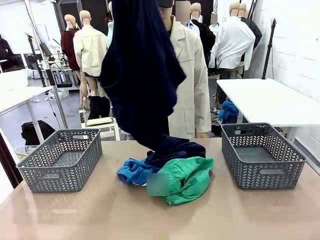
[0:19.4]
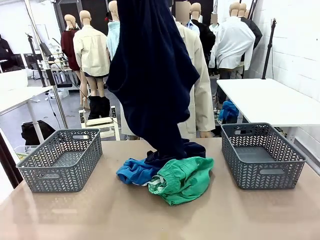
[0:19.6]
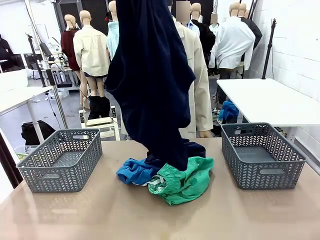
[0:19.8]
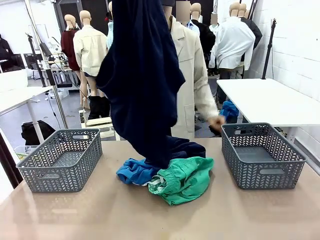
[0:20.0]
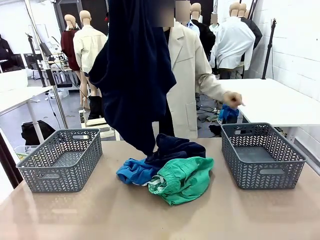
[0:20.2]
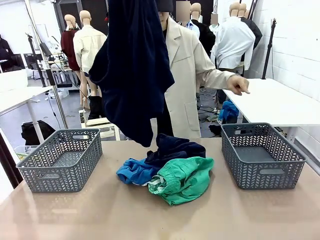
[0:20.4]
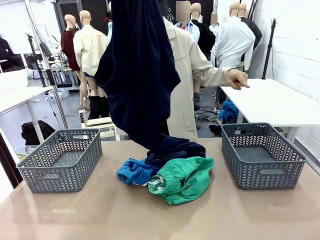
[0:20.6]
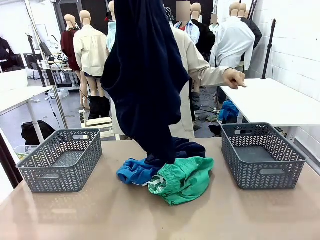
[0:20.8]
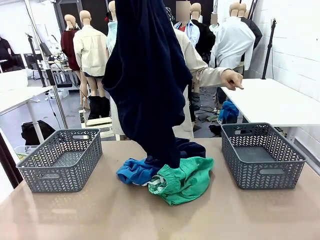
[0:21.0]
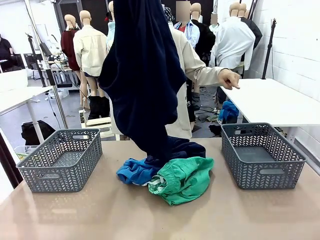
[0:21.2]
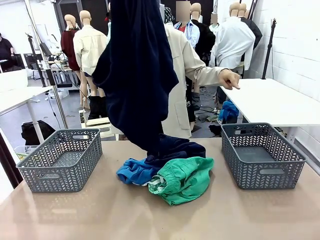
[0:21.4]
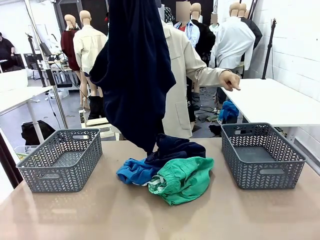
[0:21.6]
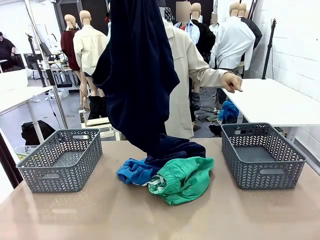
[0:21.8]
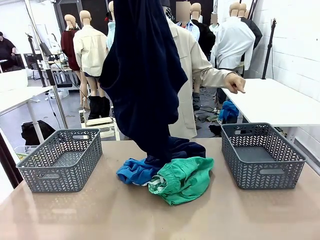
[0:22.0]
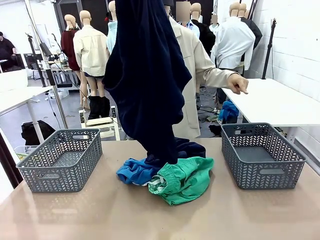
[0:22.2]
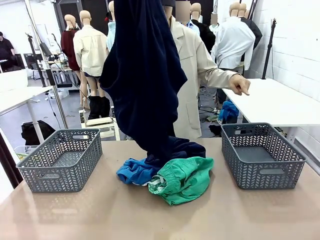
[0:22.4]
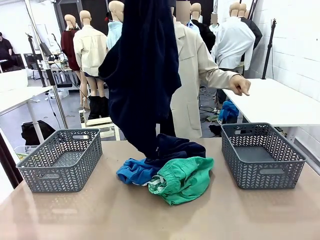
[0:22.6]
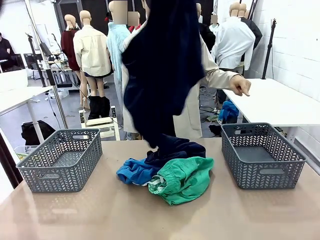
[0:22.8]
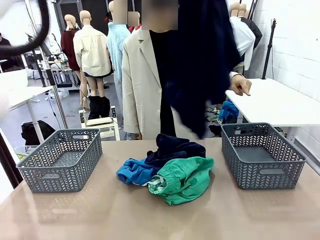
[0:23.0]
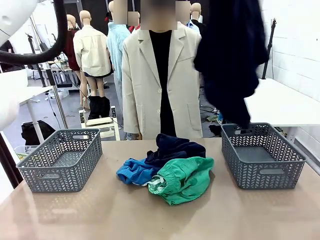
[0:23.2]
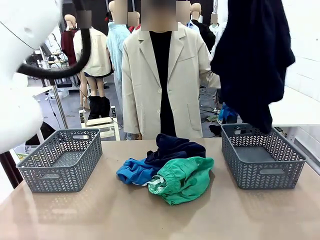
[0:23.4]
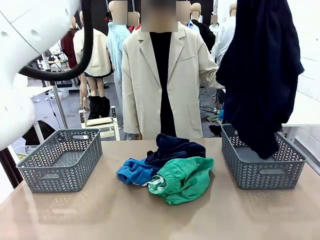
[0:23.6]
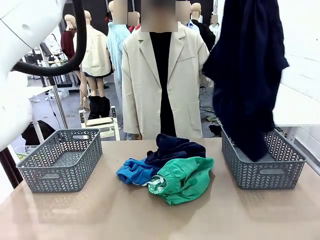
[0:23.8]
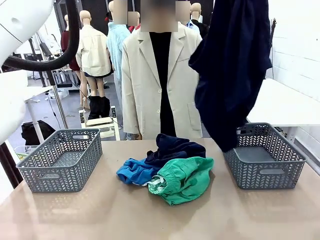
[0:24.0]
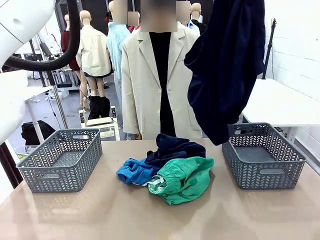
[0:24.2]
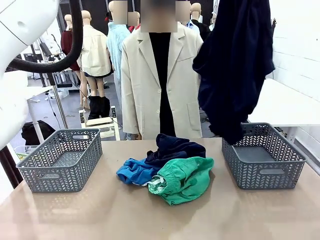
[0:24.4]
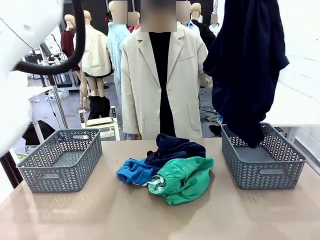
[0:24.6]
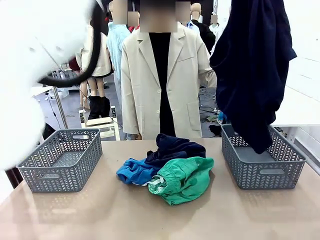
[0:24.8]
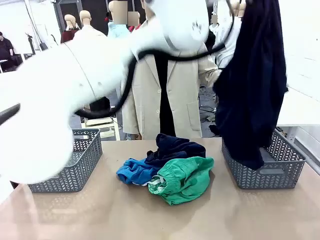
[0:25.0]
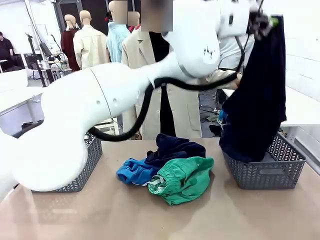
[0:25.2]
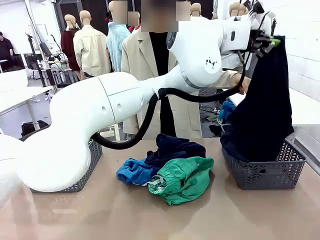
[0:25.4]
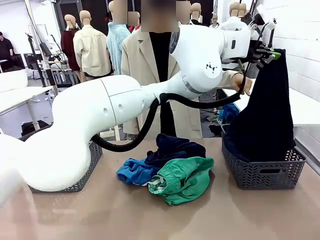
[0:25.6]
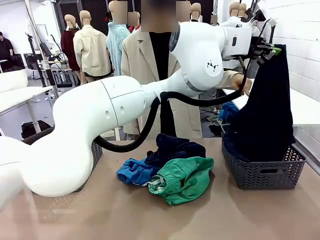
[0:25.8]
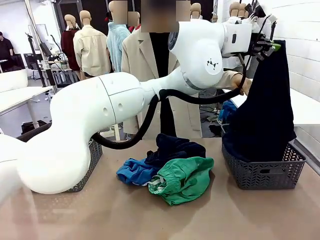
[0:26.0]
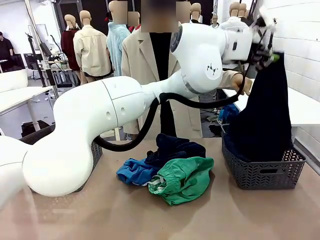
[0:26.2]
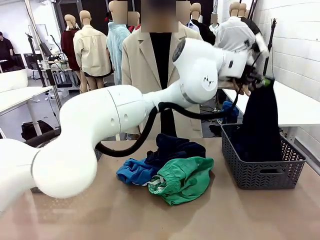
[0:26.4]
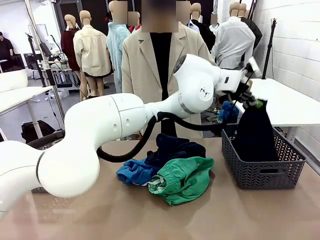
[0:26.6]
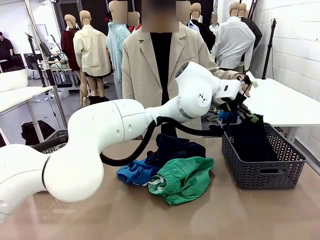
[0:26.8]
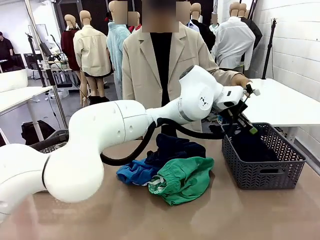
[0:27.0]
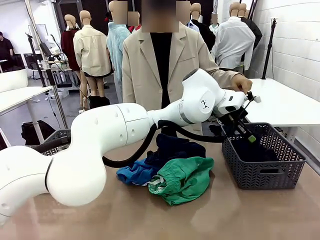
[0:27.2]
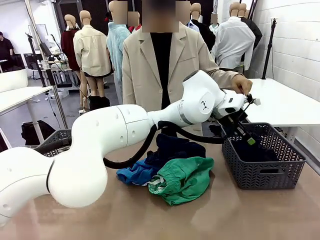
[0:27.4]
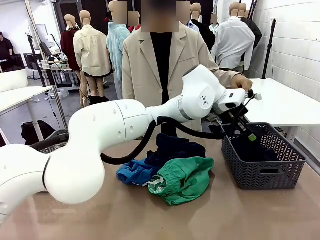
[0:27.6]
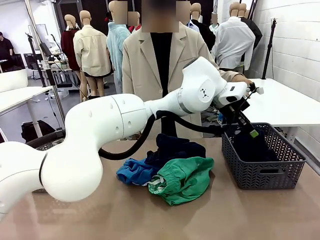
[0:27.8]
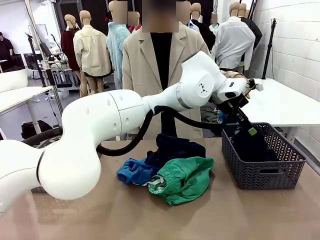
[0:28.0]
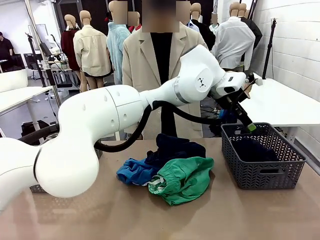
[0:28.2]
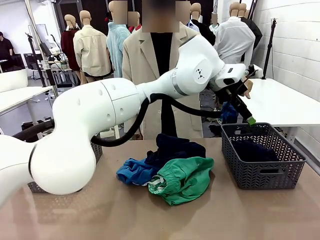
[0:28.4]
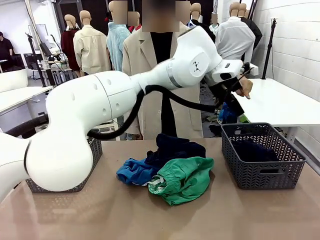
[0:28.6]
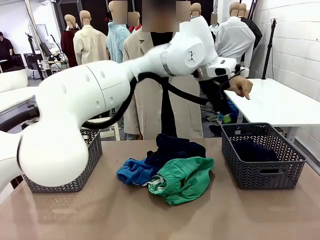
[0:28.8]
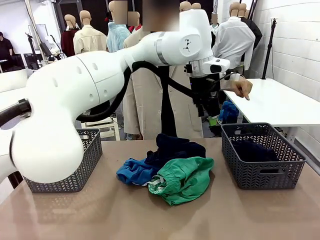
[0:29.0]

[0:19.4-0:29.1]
Task: Sort the tops and bottoms.
Robot: Sort the clothes according to human instructions.

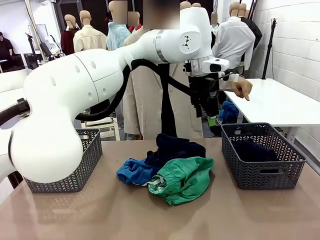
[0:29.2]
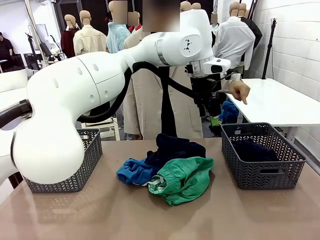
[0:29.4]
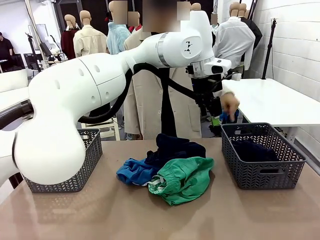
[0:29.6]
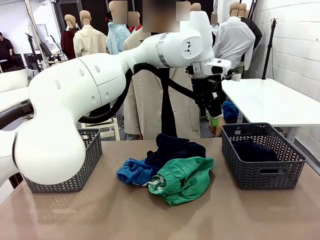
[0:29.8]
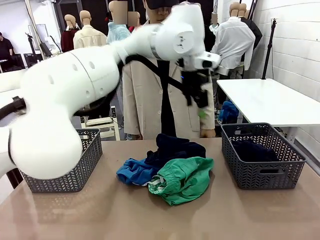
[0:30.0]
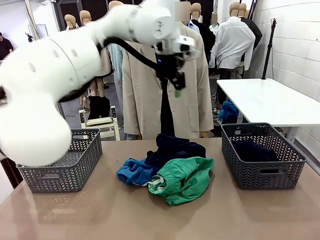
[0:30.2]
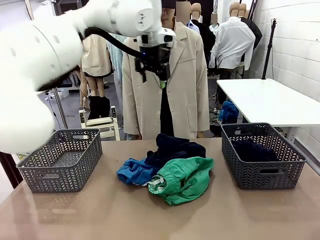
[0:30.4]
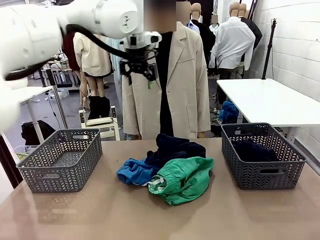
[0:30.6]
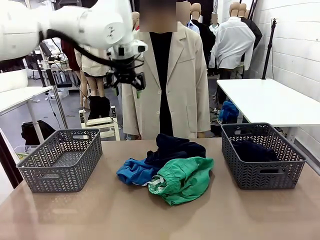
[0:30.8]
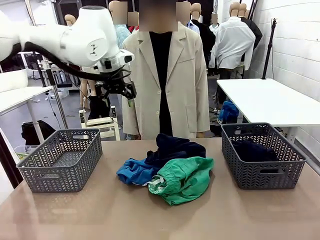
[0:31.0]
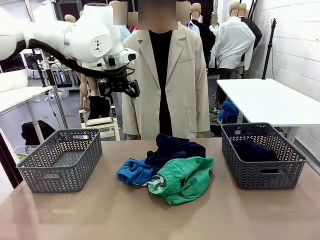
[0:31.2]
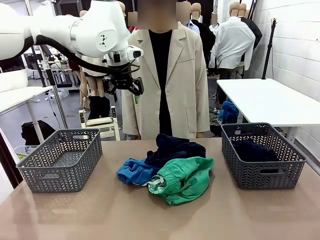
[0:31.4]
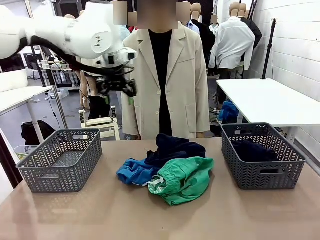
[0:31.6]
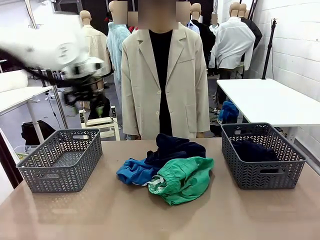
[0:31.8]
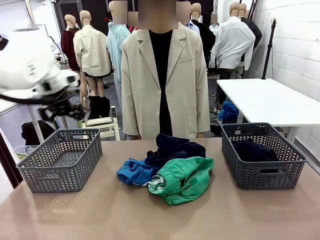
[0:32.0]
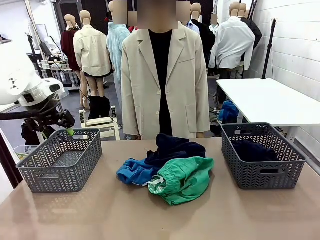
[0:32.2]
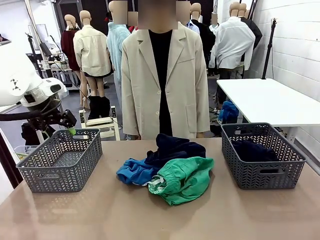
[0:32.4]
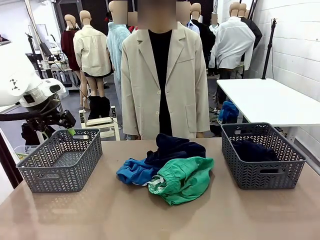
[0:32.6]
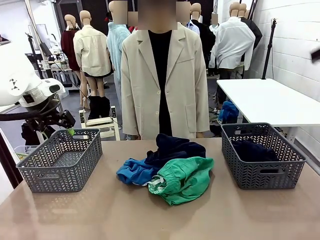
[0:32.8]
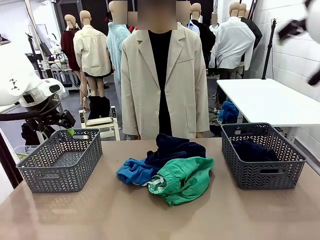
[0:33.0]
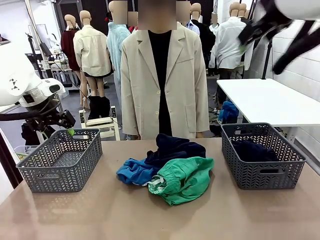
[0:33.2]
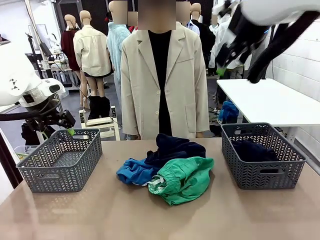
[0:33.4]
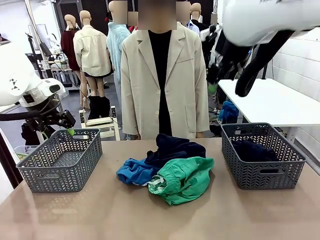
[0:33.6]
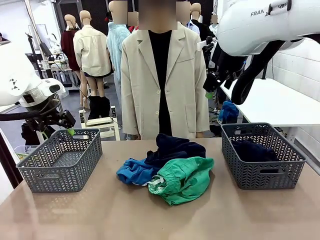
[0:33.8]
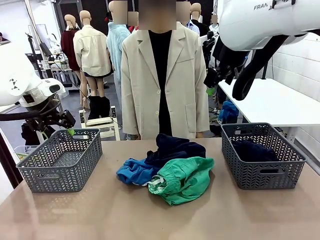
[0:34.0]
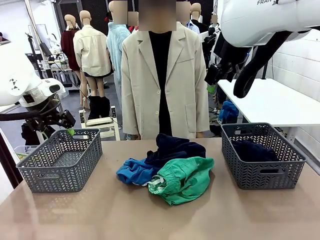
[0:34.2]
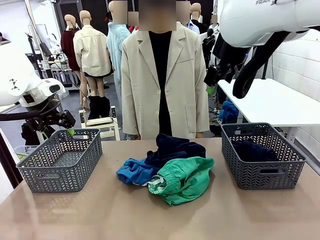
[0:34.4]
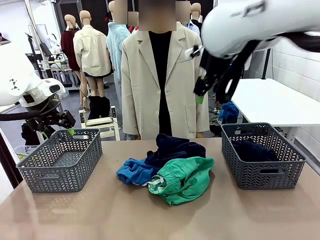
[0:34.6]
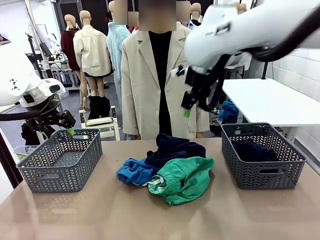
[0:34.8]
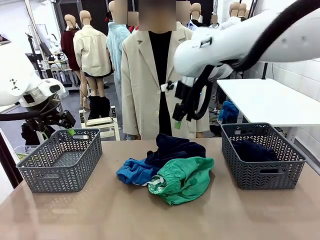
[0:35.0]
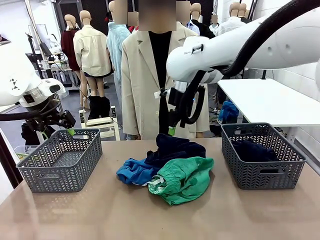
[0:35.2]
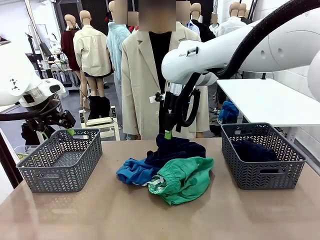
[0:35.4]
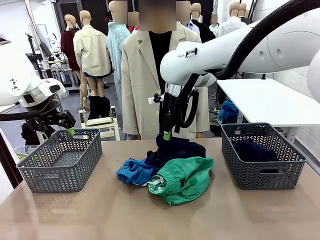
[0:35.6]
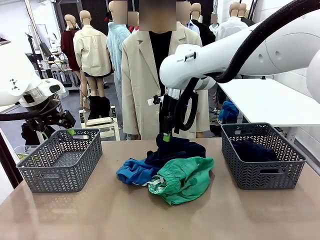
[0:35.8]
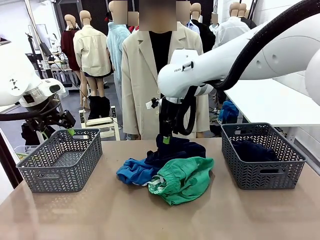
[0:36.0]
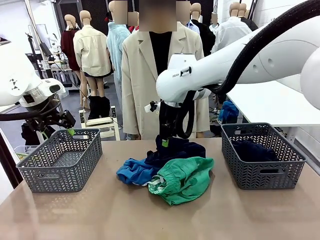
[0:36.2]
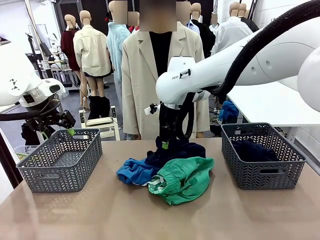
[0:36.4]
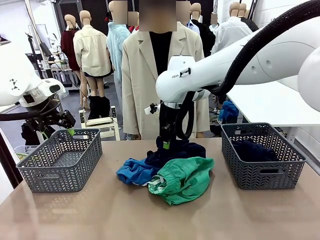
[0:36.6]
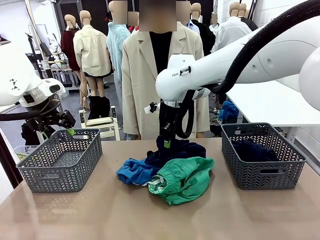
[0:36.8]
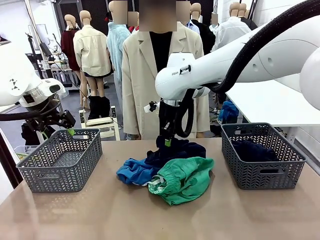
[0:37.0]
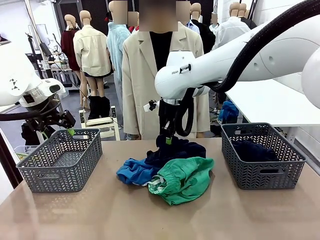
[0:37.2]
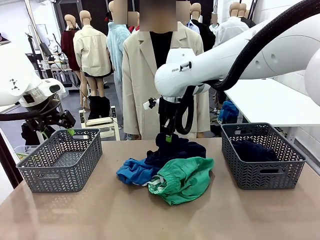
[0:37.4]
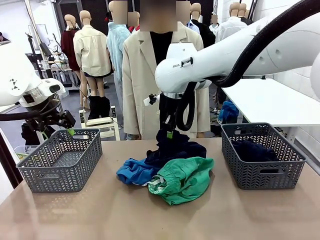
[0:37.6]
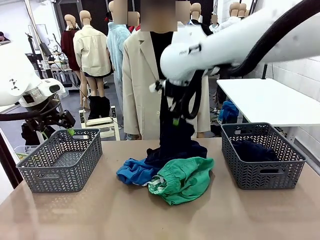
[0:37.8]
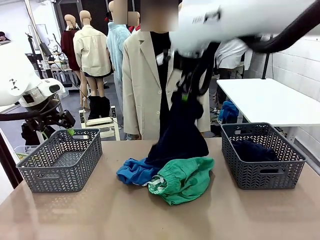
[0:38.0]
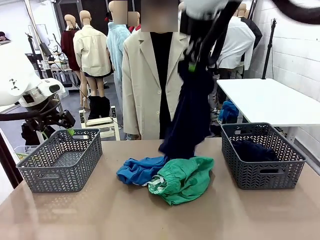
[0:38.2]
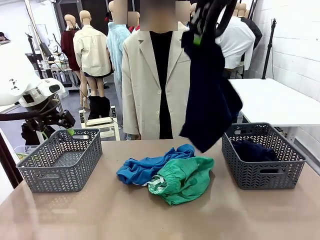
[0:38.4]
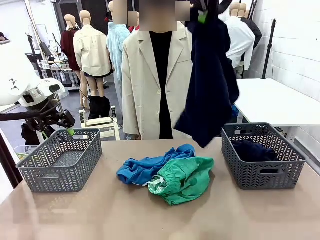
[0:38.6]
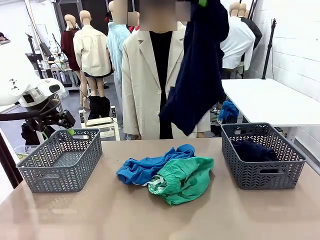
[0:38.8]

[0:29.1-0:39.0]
Robot: Lift clothes from the center of the table with your right hand.
